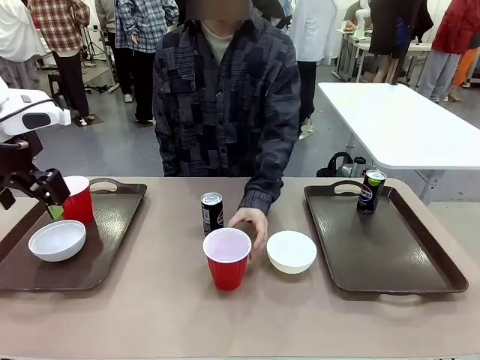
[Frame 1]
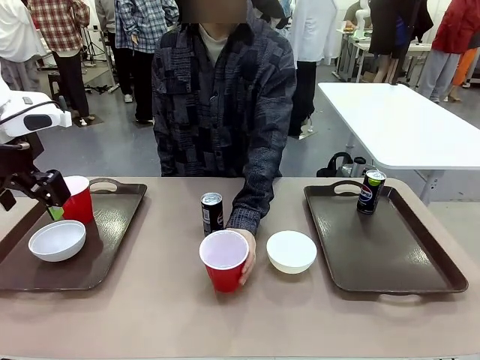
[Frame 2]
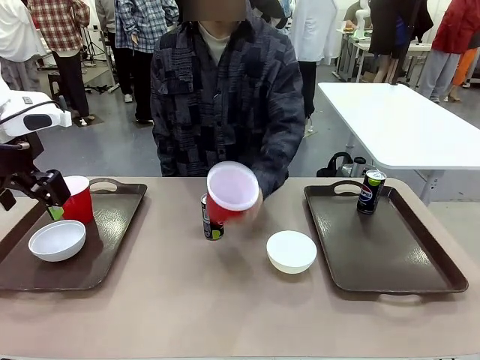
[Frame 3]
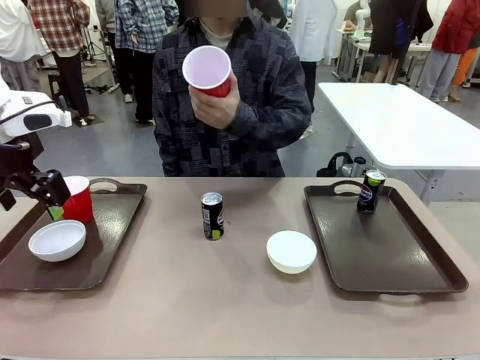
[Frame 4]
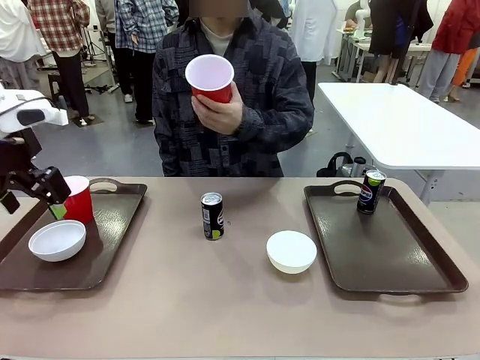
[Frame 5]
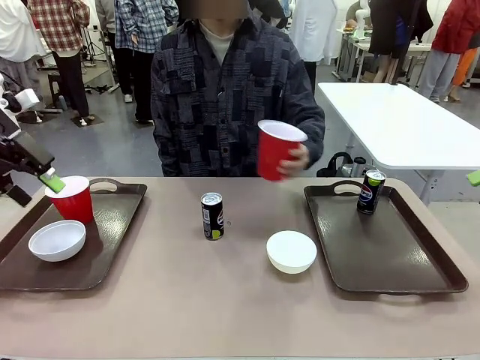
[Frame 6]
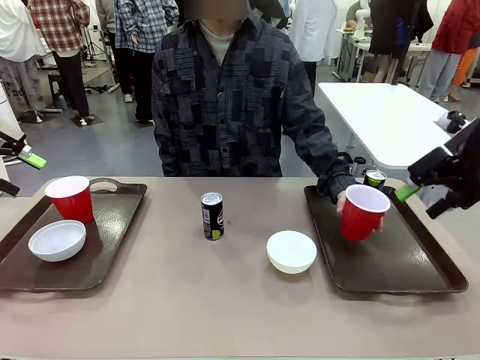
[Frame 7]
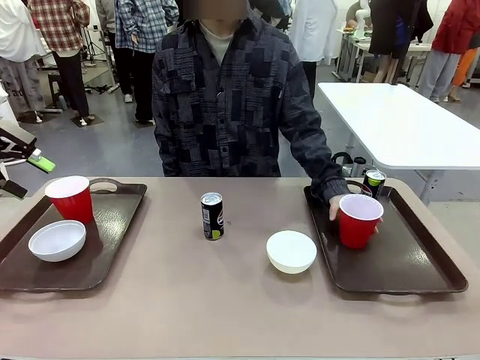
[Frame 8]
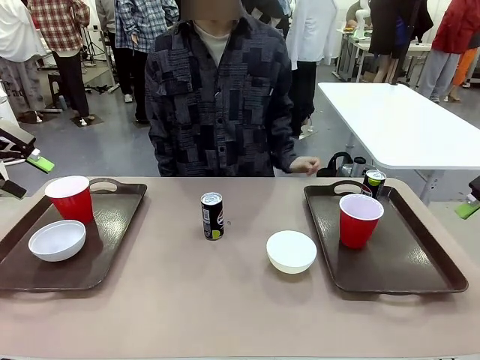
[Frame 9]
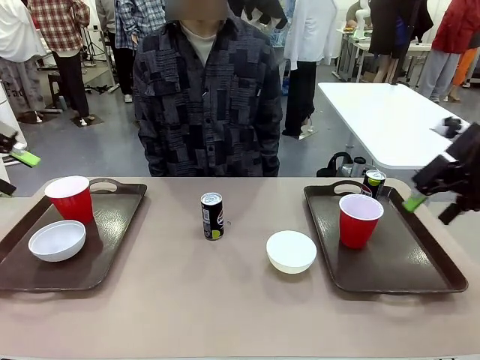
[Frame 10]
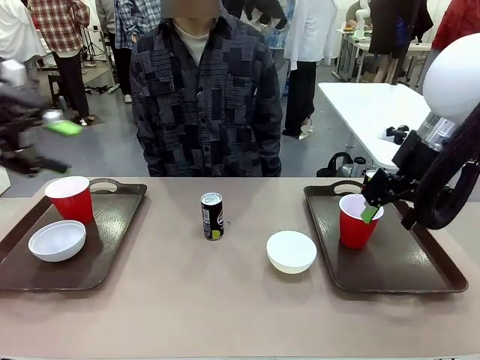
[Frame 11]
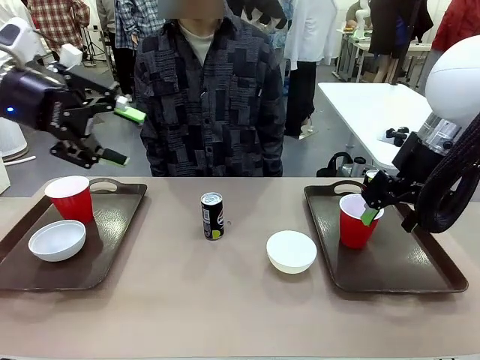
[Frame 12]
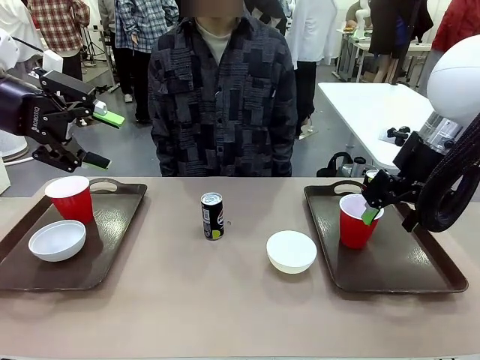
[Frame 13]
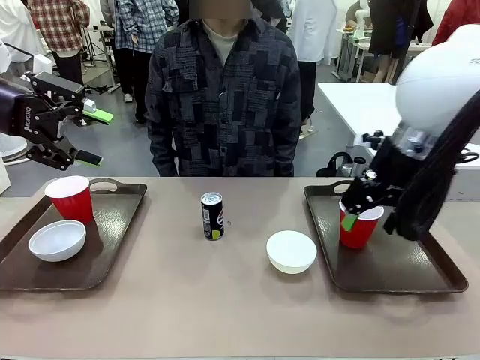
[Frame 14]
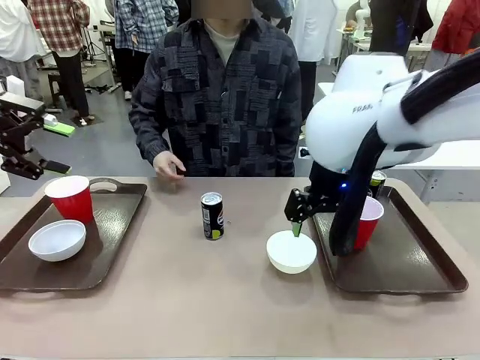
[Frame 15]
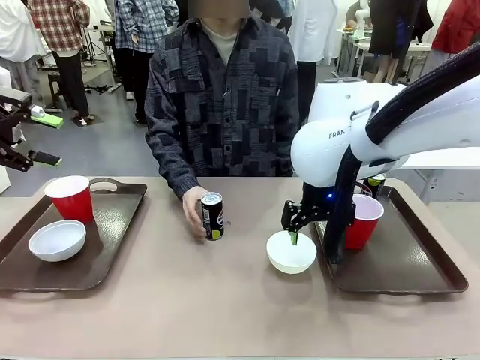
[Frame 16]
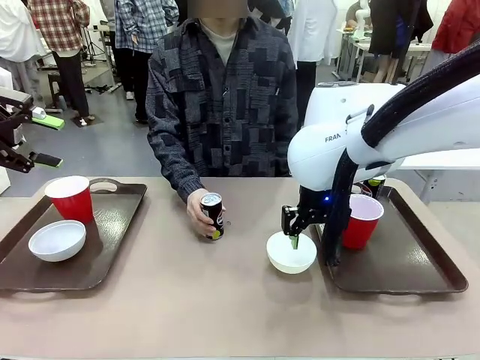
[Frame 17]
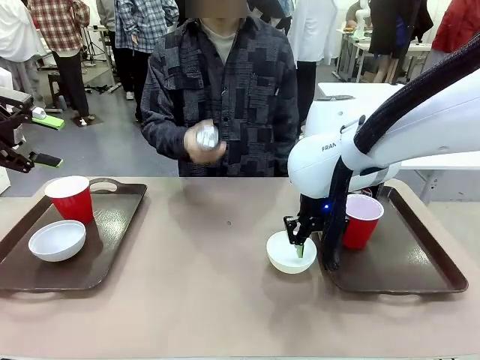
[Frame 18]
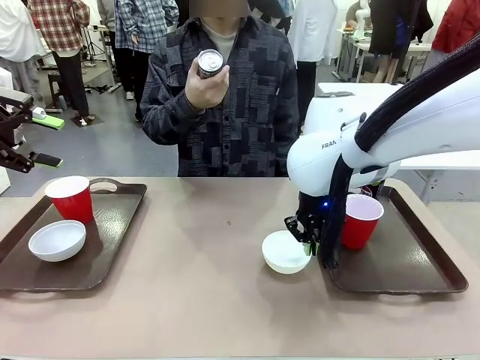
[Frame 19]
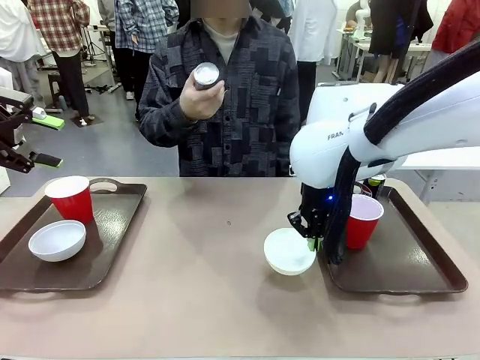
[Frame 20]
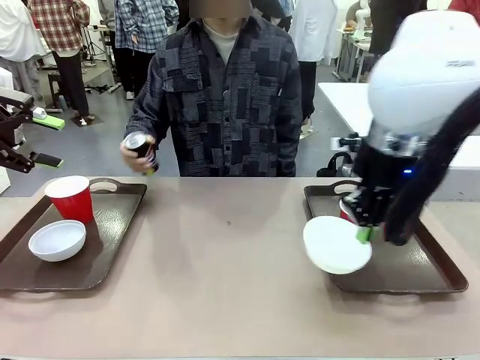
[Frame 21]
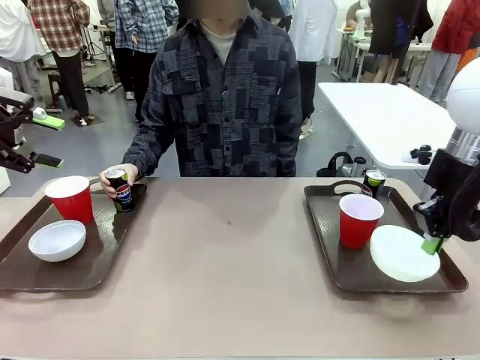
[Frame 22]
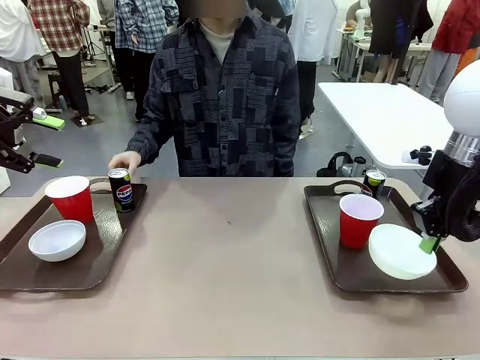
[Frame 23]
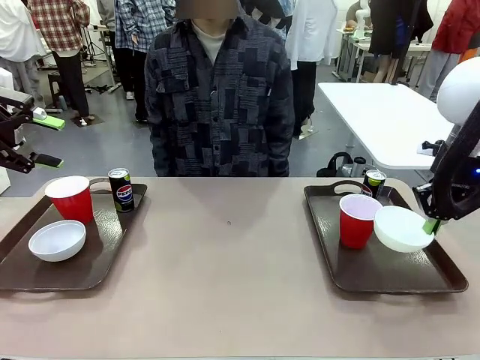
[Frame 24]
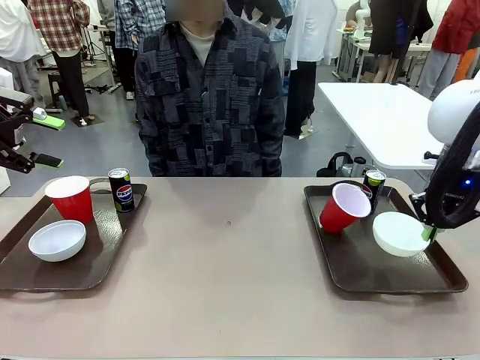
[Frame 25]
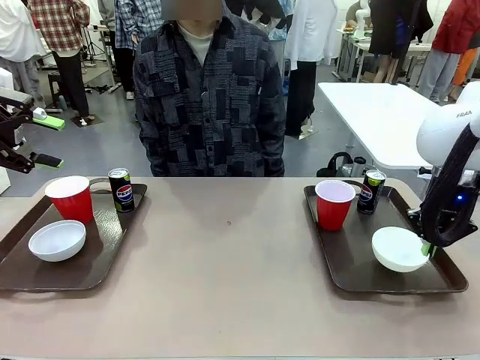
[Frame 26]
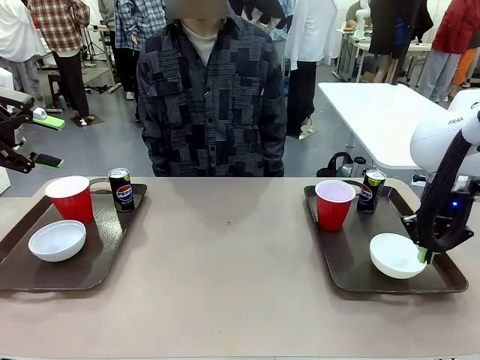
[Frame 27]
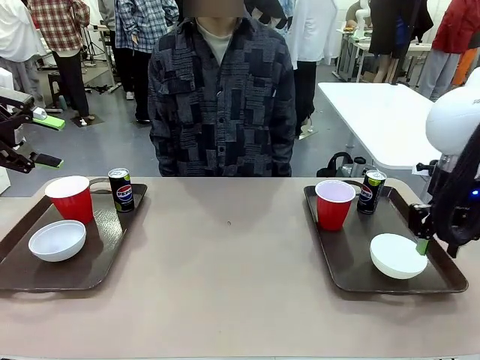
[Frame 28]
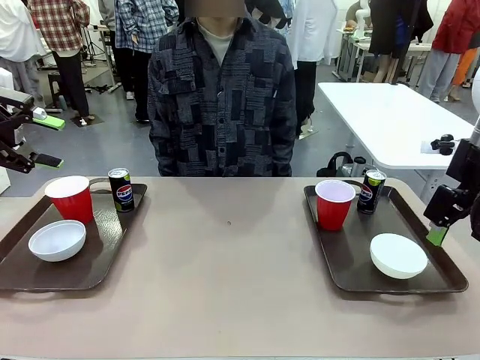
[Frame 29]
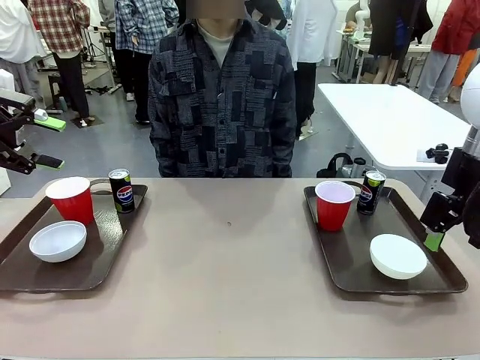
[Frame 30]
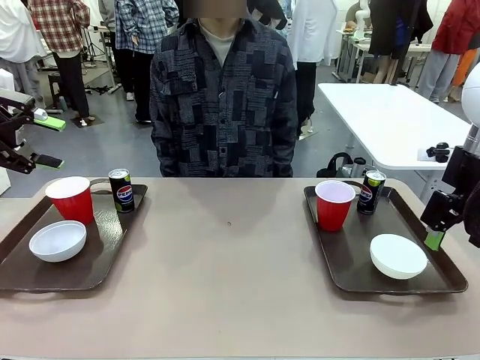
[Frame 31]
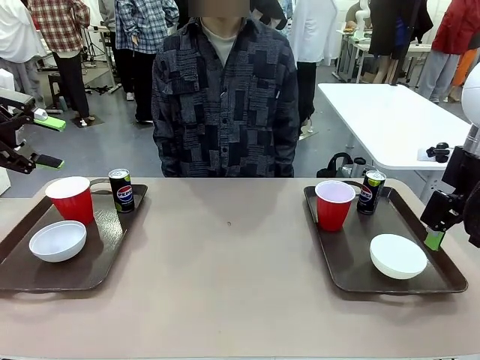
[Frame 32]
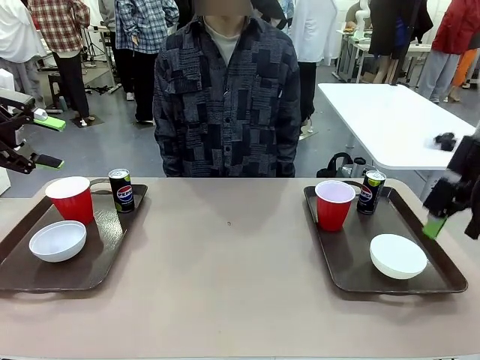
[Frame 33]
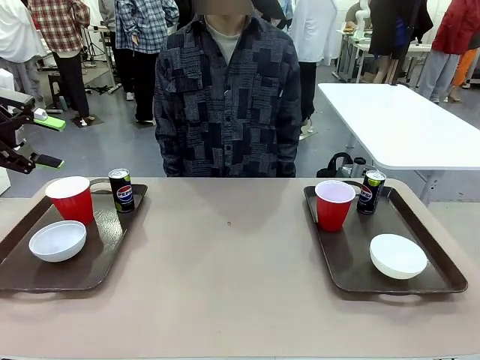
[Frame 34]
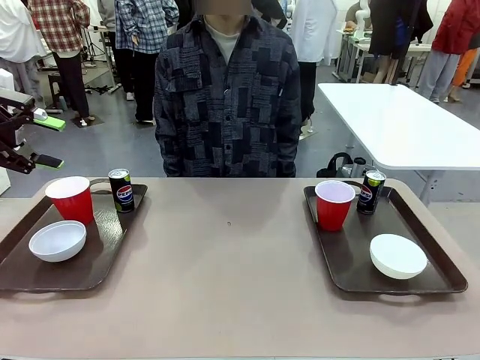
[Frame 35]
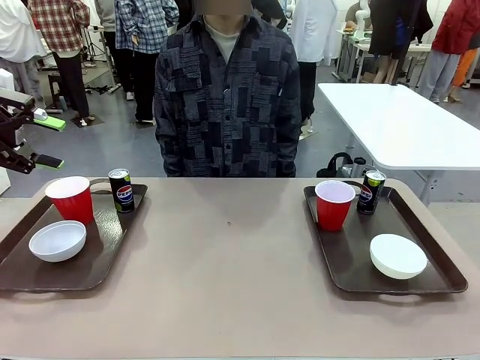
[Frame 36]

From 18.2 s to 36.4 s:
Task: Prepare tableware on both trays.
Robot: Pick up a Picnic Bowl from the table and place it on a Handle tray.
Person: Pick up a can or cup and place it on the tray without a can or cup.

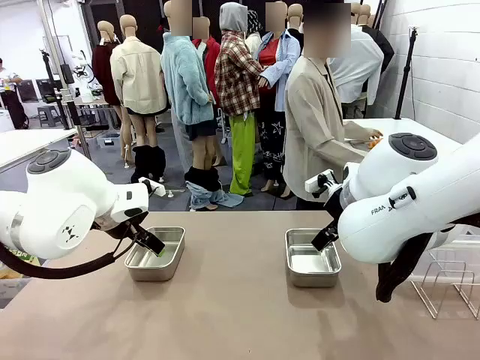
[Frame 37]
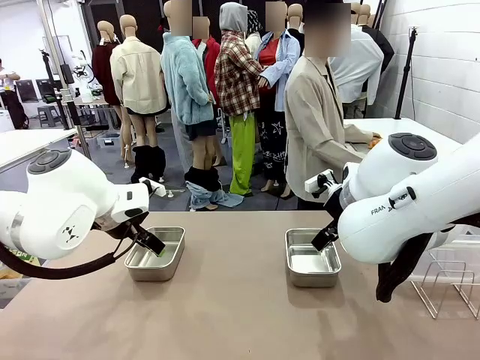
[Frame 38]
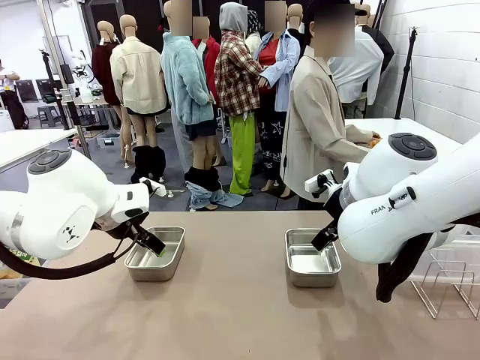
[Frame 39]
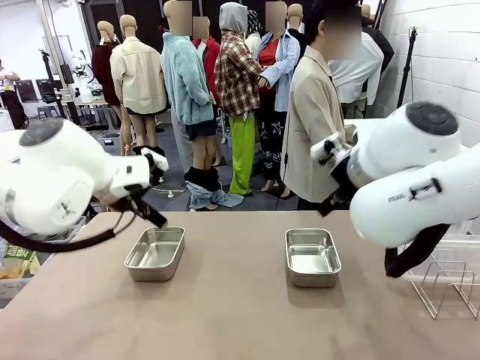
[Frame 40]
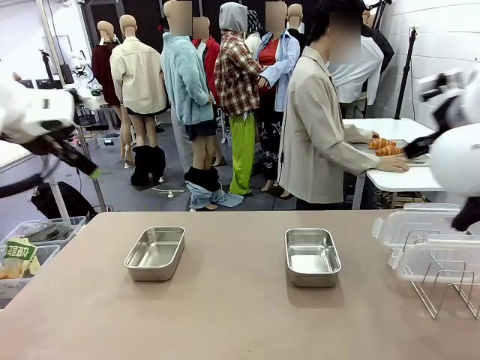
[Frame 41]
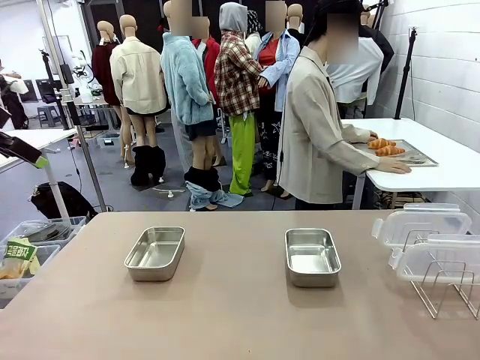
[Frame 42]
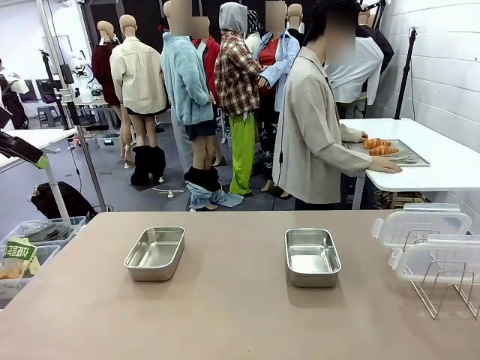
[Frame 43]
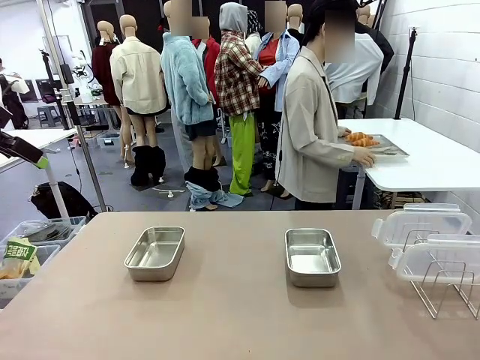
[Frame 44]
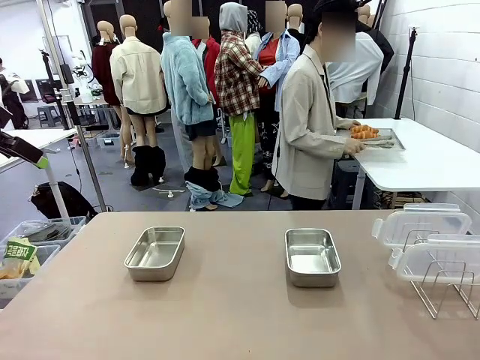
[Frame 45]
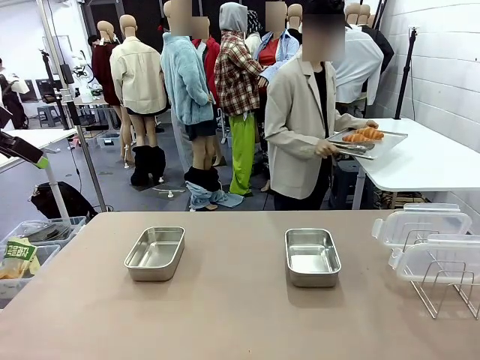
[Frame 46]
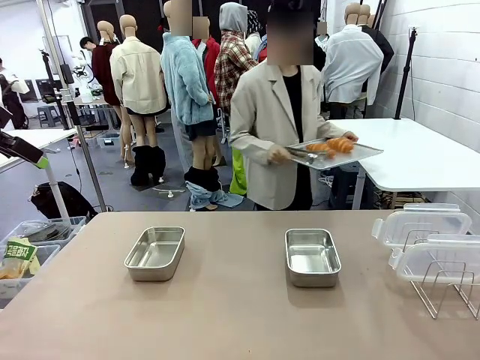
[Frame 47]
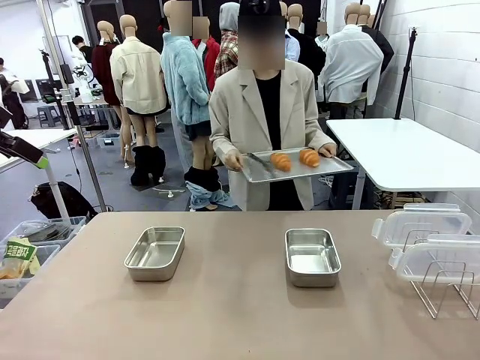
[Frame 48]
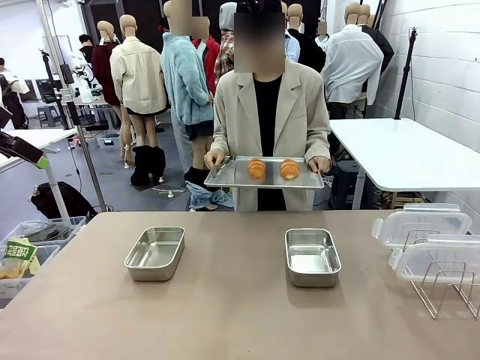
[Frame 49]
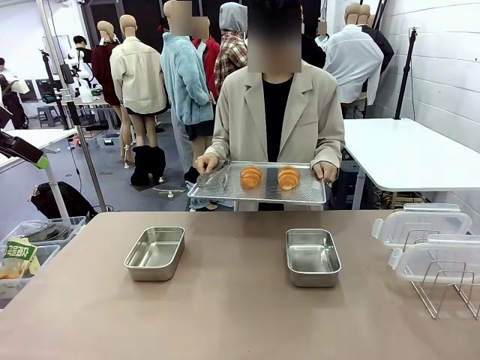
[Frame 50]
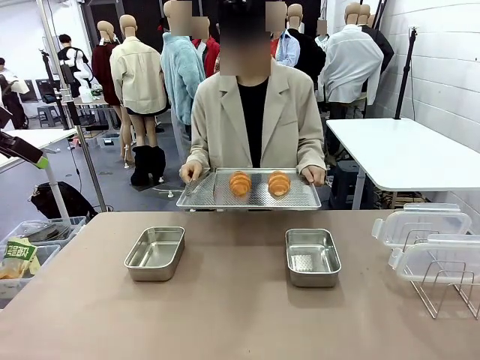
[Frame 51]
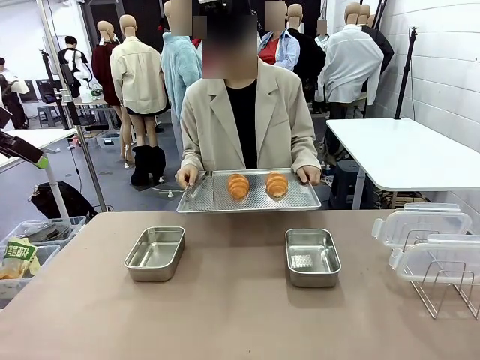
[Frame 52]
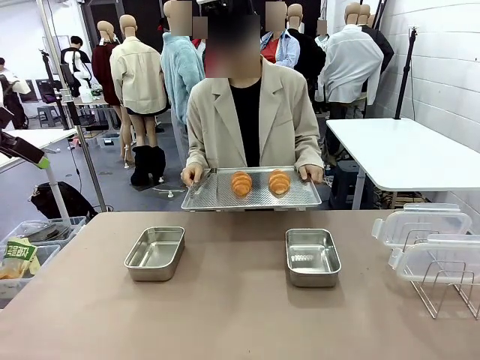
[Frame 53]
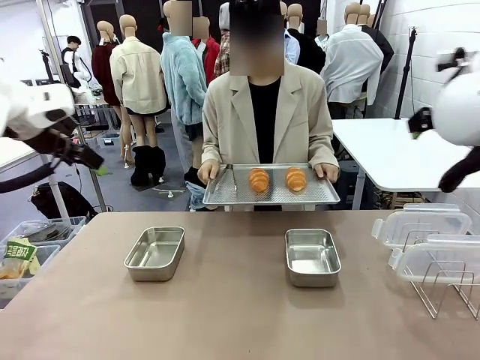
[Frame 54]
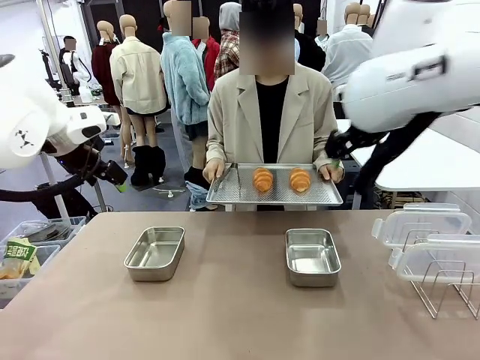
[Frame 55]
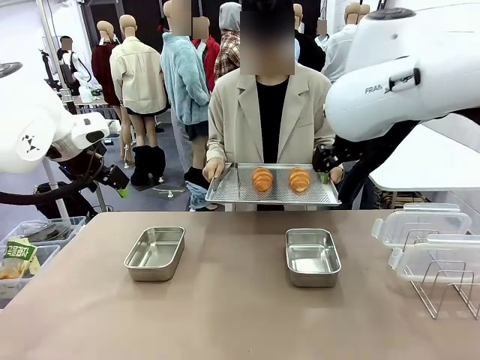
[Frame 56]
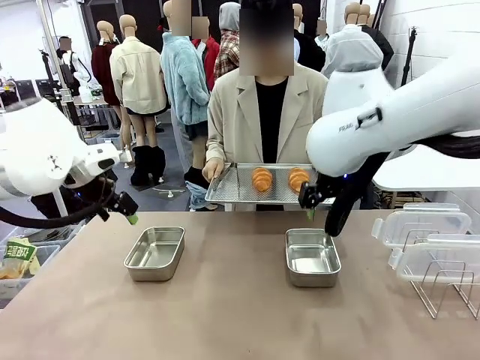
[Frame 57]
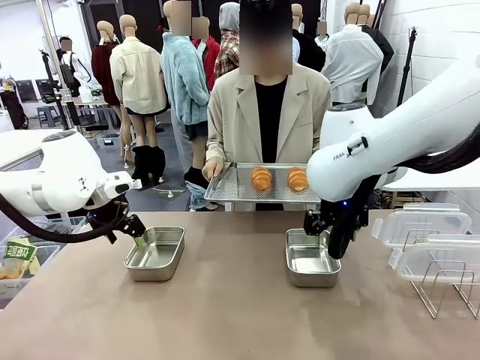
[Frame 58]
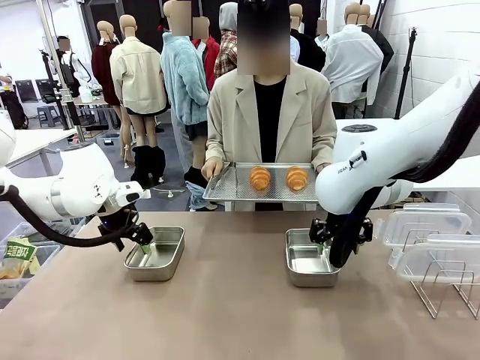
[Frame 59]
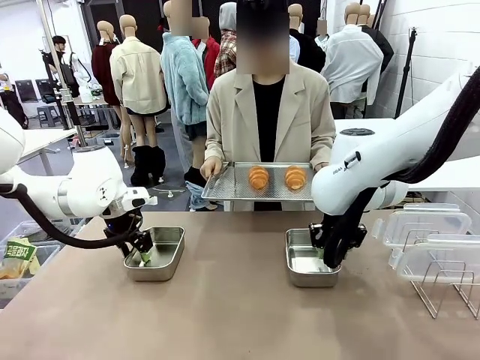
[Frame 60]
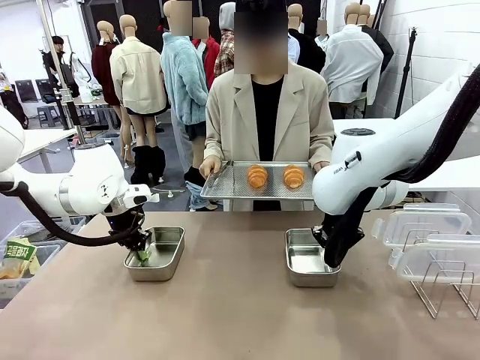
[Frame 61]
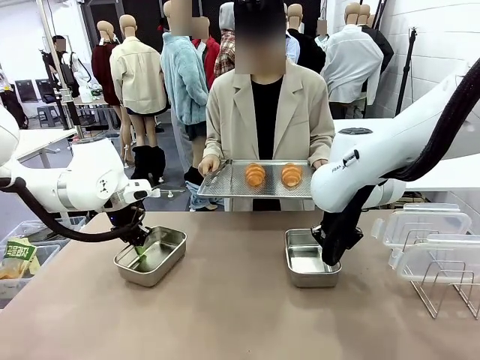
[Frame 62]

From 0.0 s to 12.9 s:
Task: Place the bread in airtight containers.
Robot: Lift both Airtight Container.
Person: Bring the Baking Sheet in front of Robot's Table.
